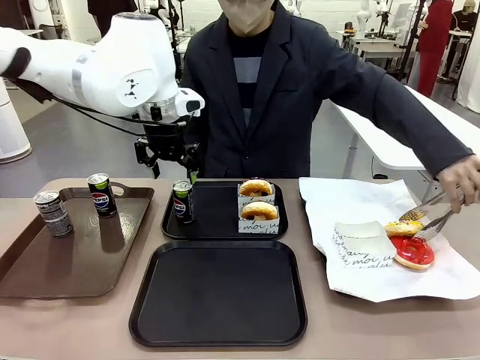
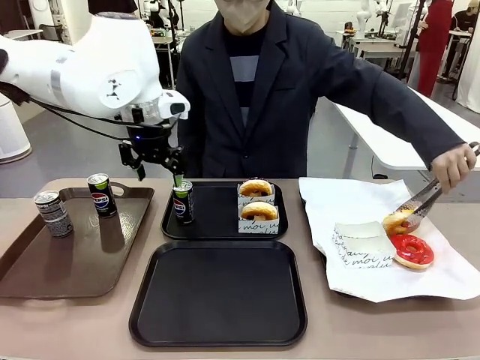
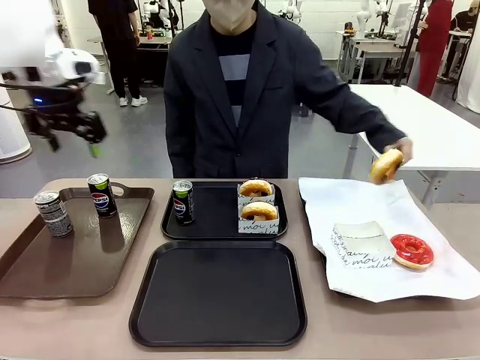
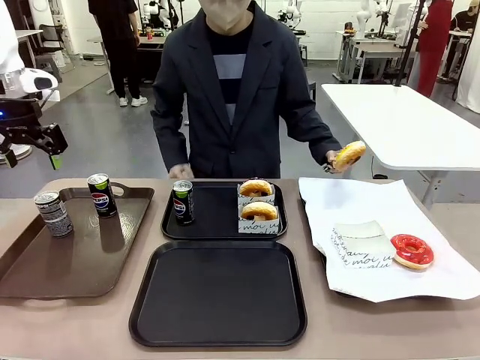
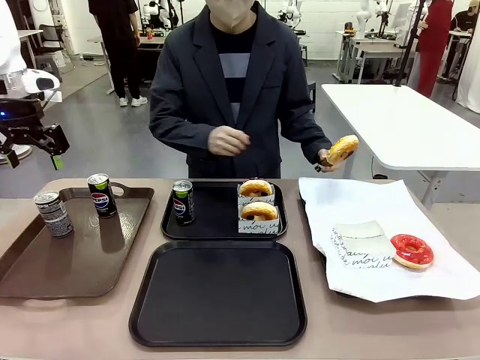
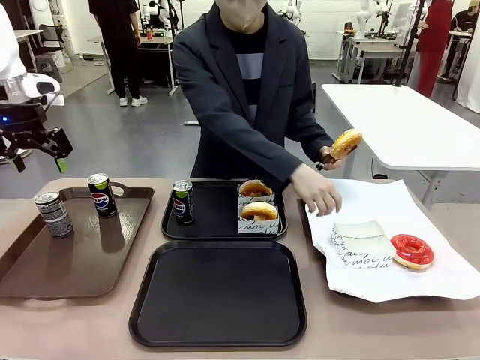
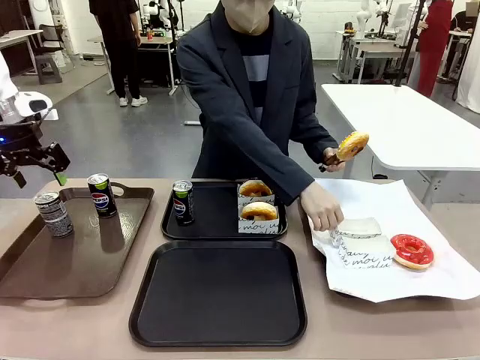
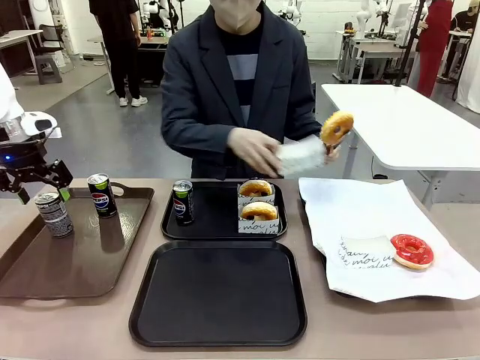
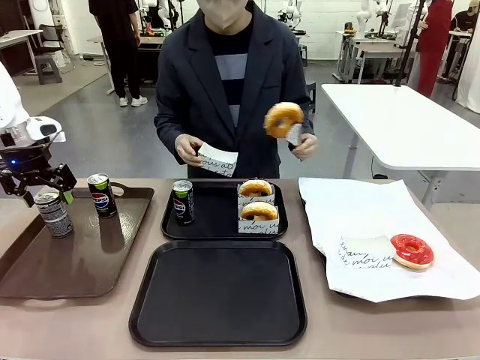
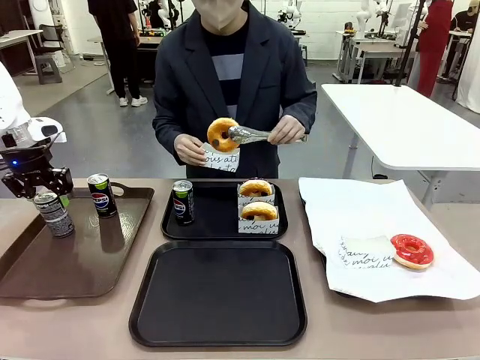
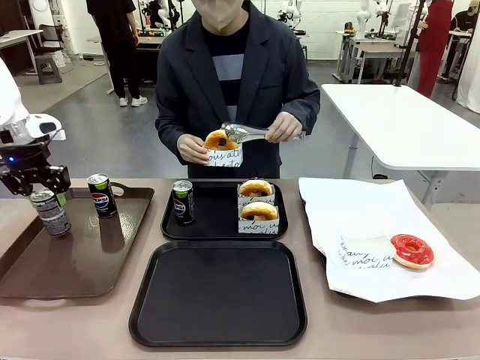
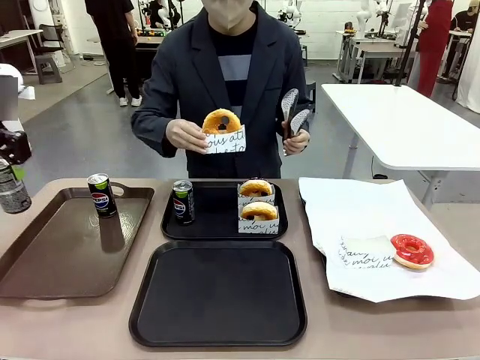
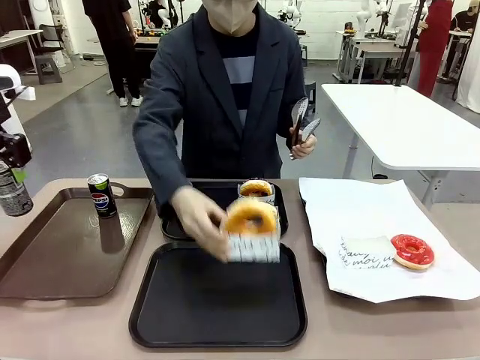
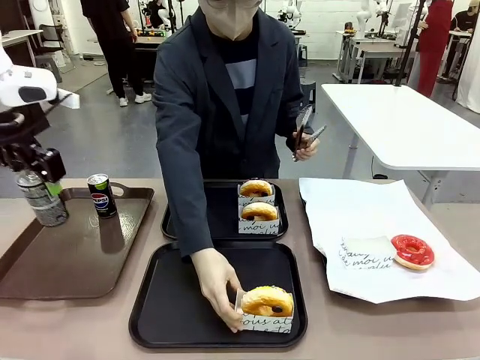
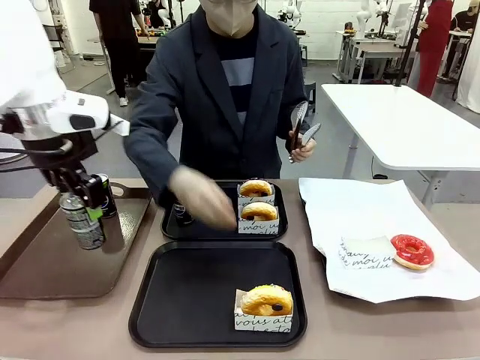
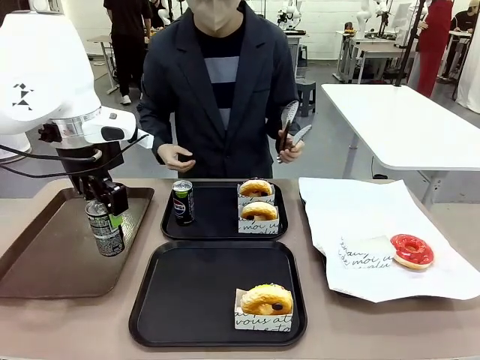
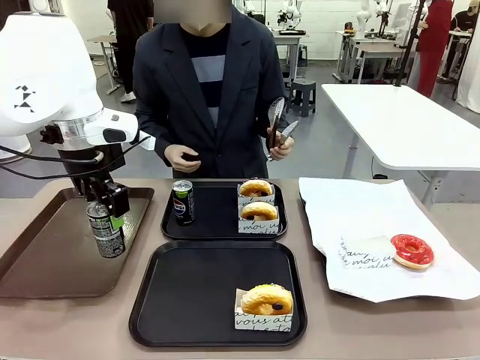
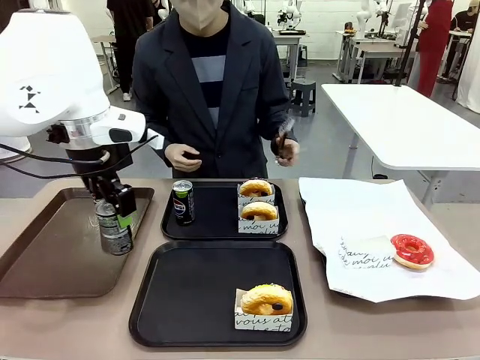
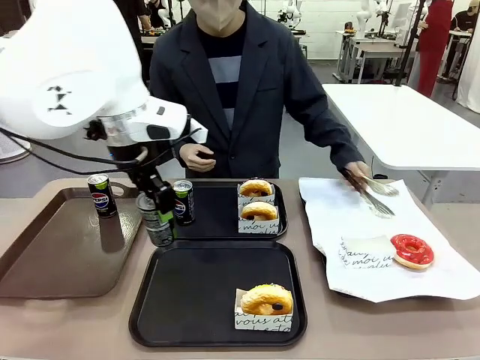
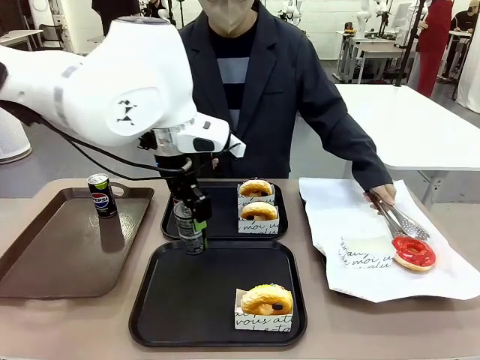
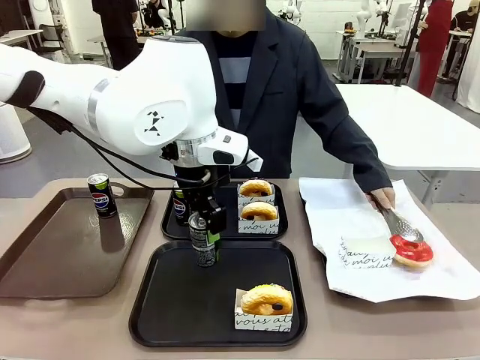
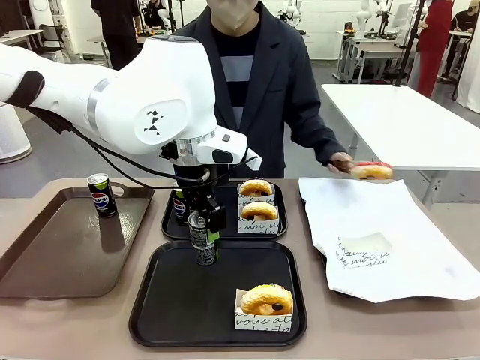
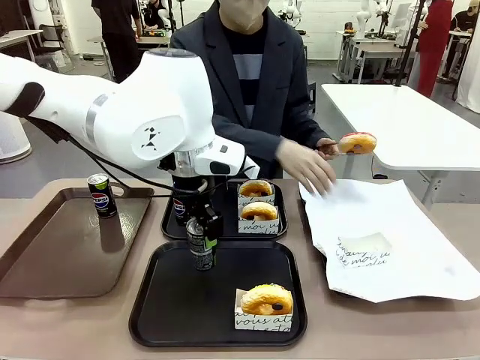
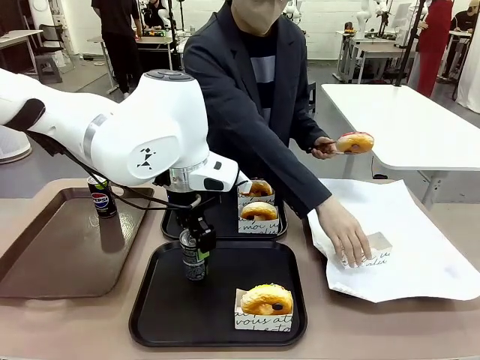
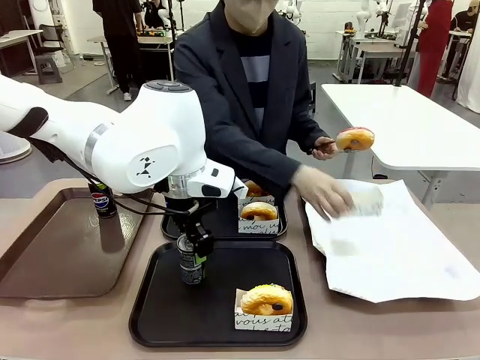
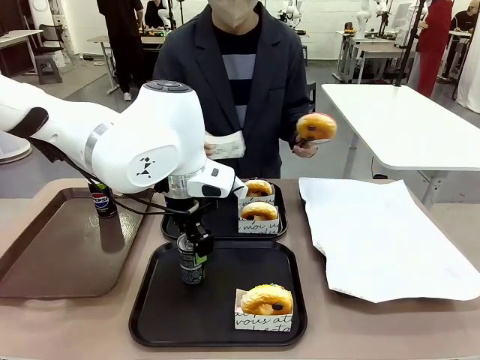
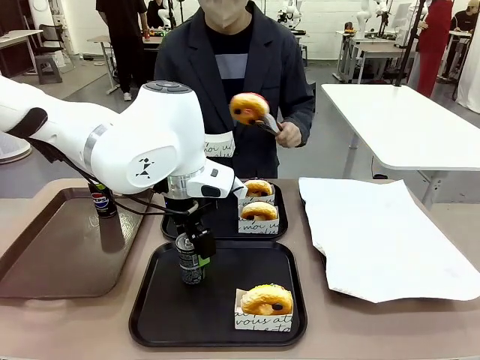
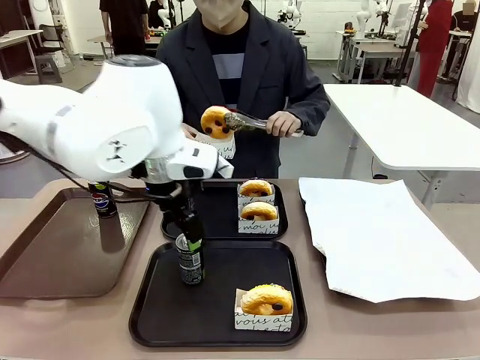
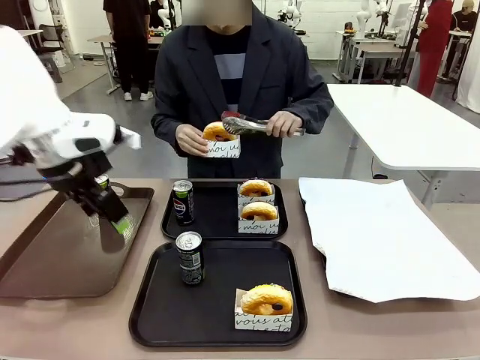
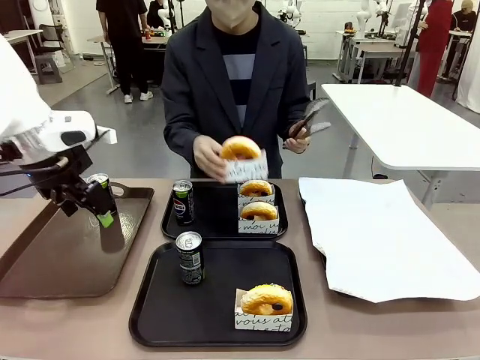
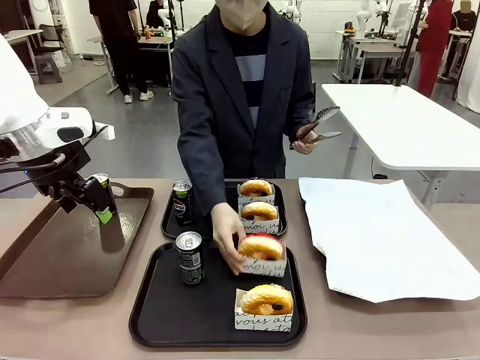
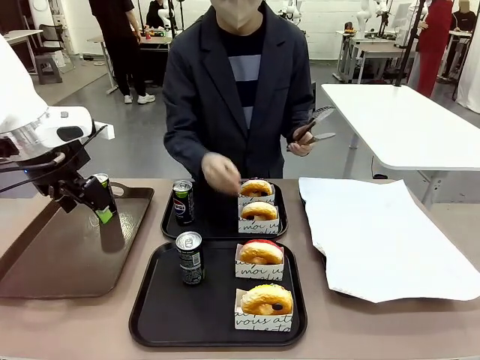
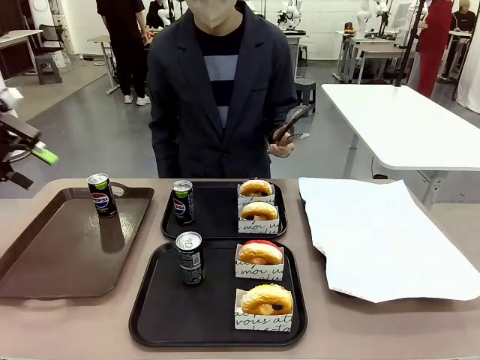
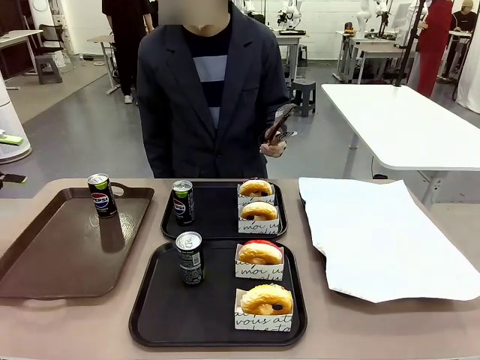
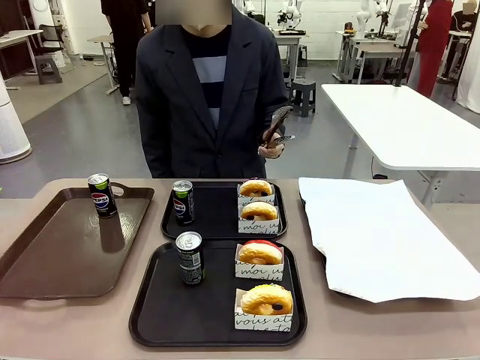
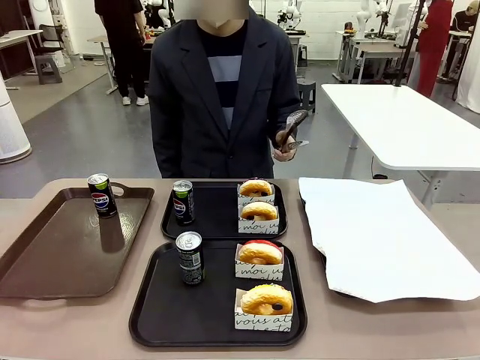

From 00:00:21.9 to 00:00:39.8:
Task: Set up donuts and drinks on trays.
Robot: Pick up one Pepsi coke from the Handle tray and place it on the Flat Tray without a Pepsi coke.

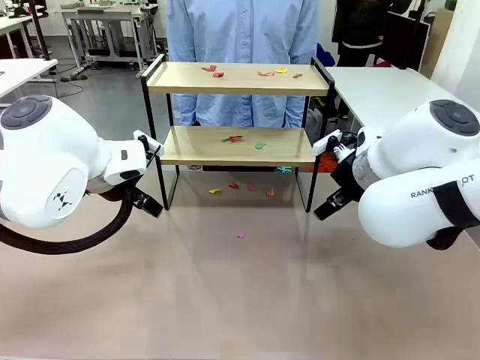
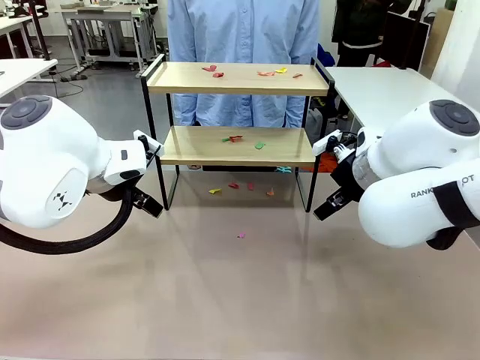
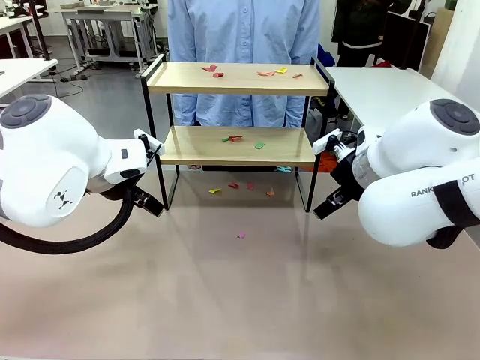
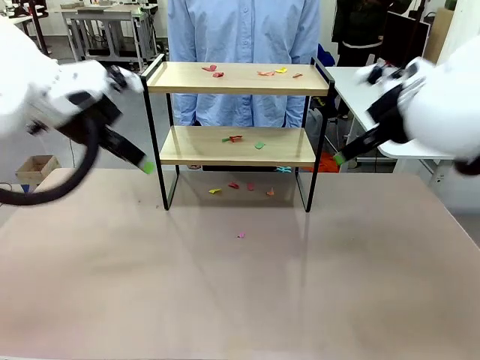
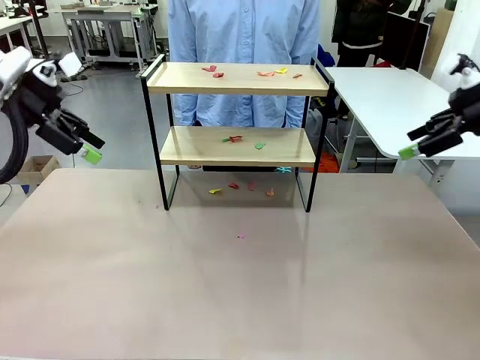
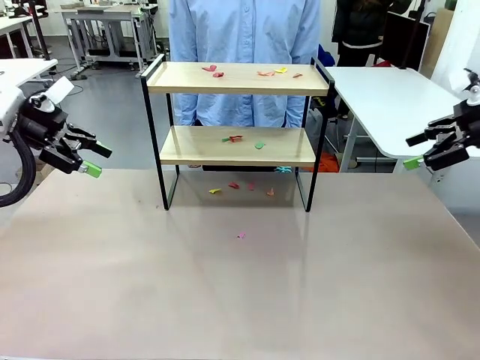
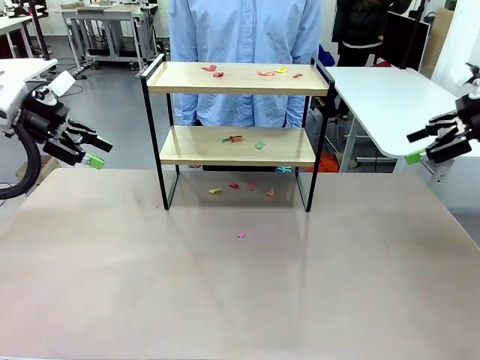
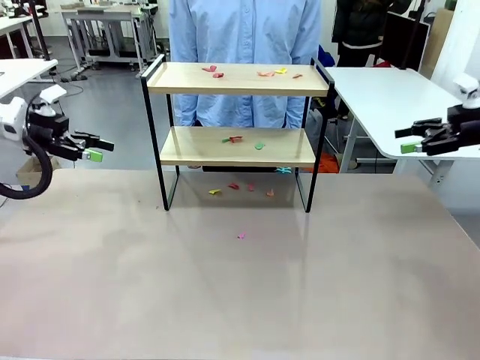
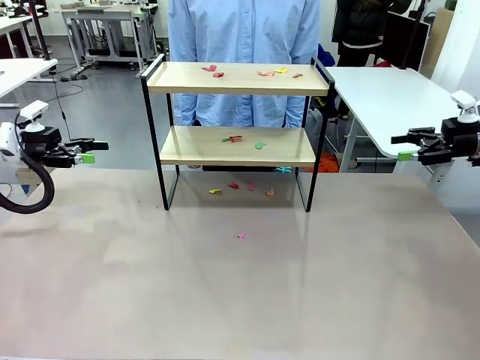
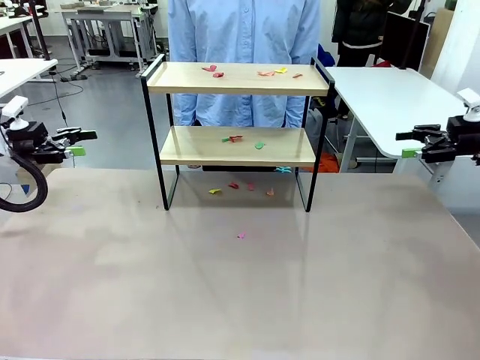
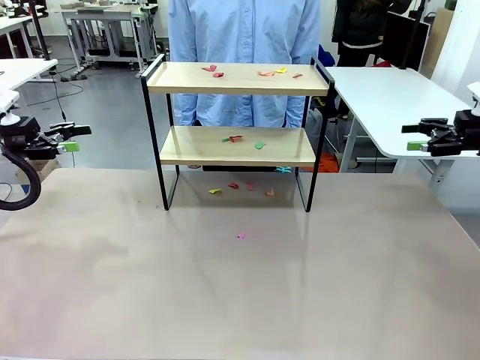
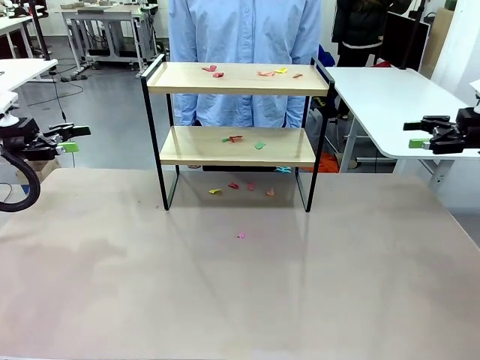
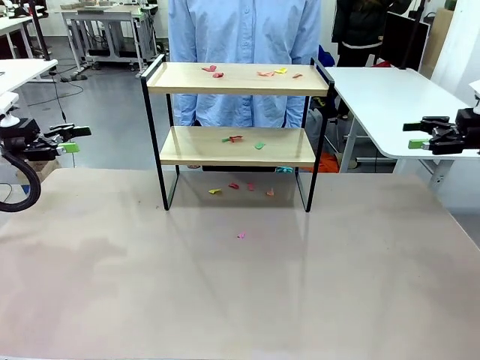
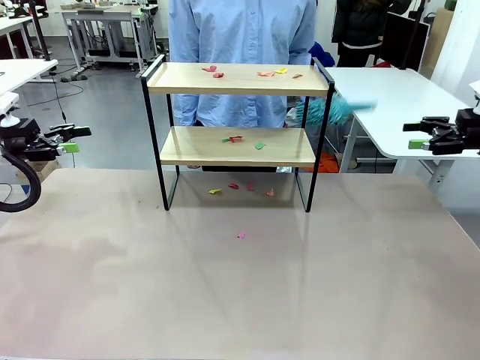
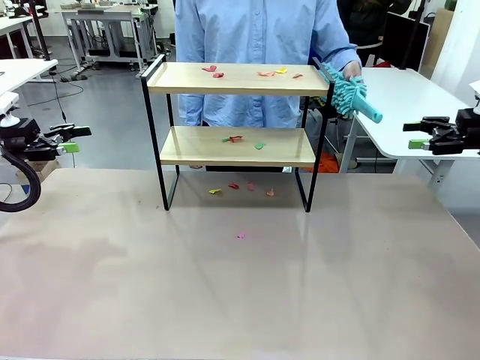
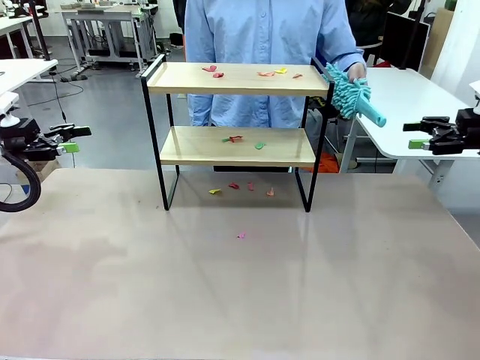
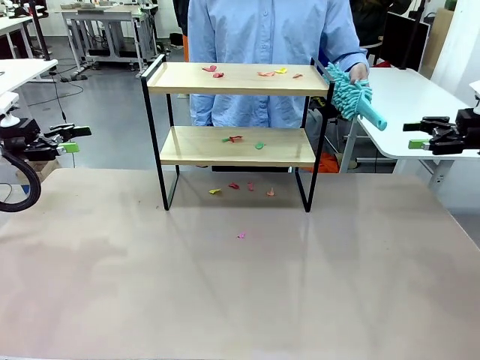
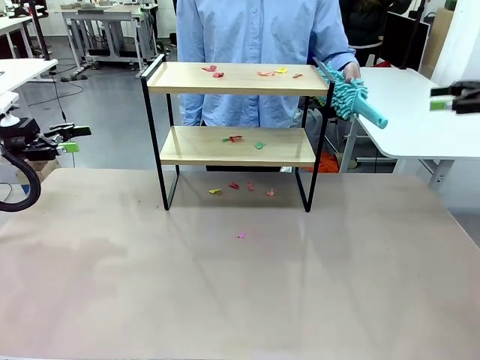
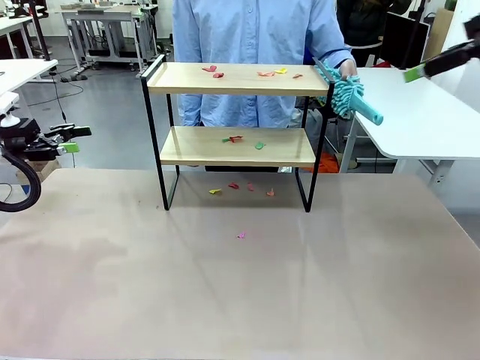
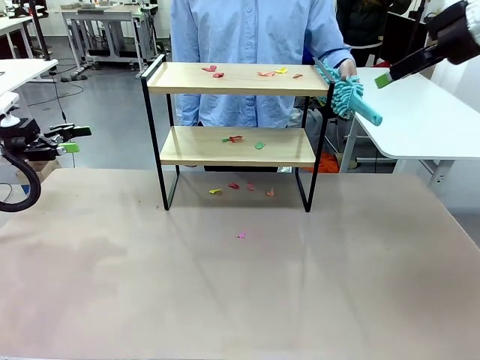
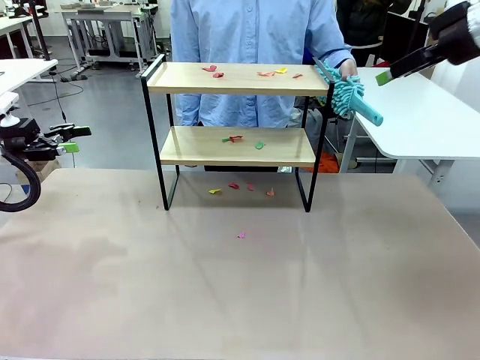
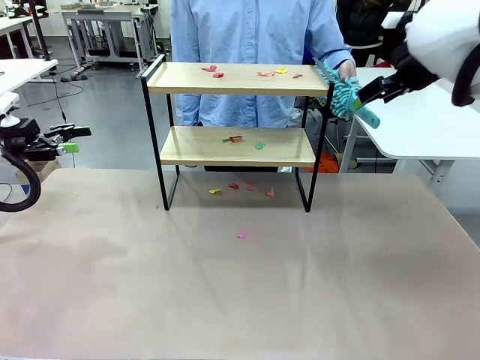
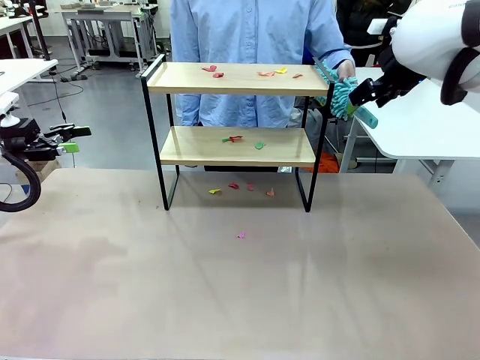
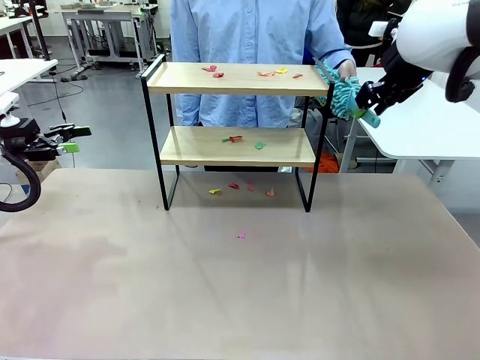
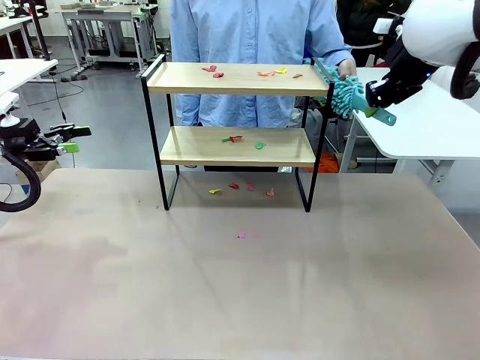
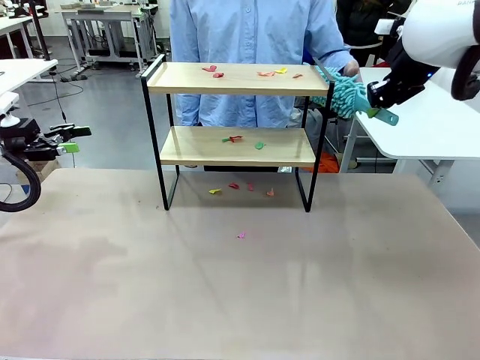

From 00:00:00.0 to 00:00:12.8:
Task: Clean the shelf.
Robot: Pick up the Duster handed by the human.
Person: Hand the Duster to the robot.
